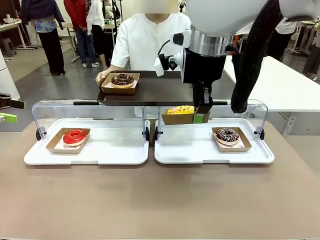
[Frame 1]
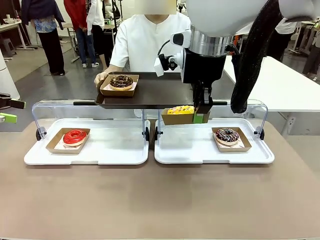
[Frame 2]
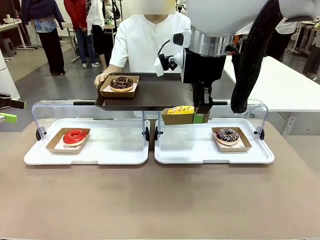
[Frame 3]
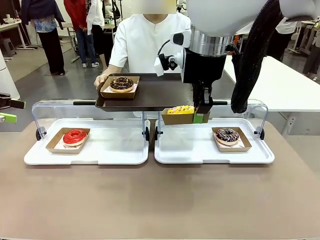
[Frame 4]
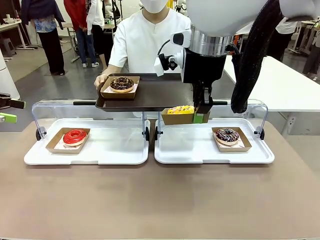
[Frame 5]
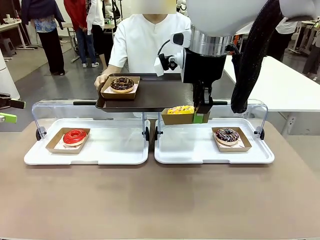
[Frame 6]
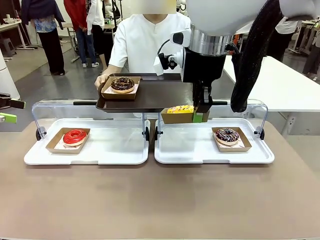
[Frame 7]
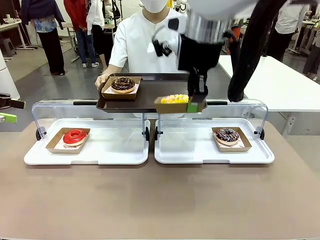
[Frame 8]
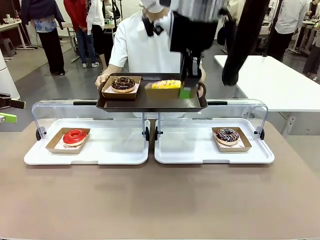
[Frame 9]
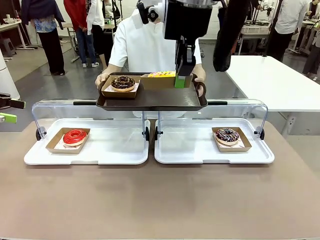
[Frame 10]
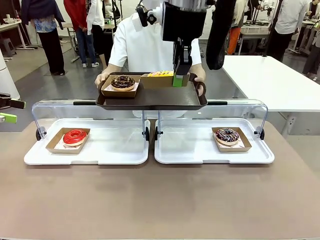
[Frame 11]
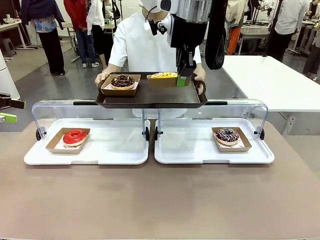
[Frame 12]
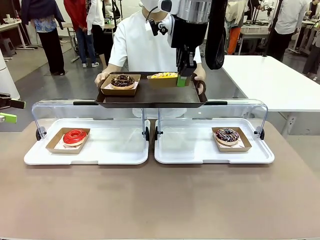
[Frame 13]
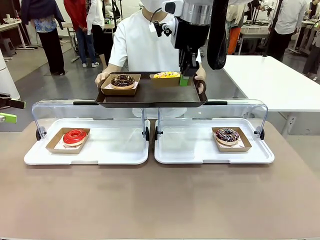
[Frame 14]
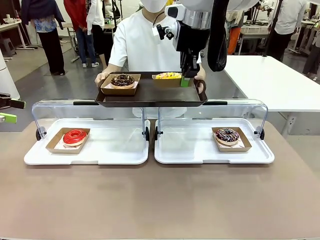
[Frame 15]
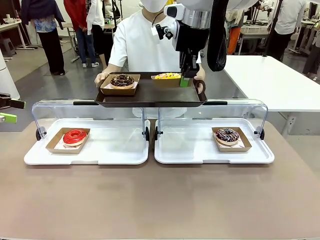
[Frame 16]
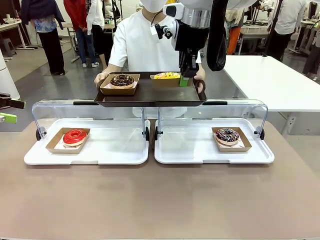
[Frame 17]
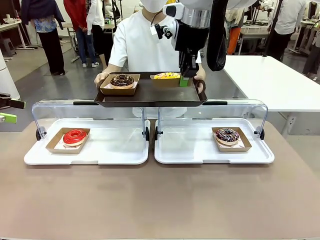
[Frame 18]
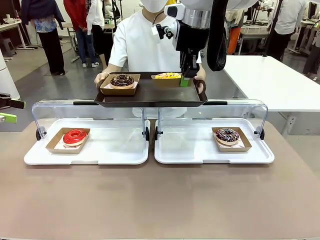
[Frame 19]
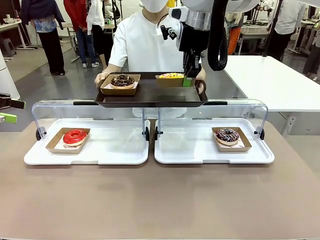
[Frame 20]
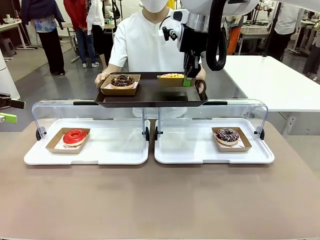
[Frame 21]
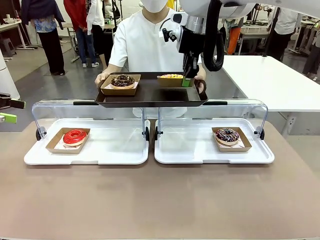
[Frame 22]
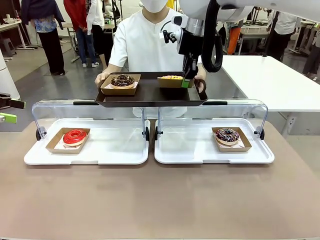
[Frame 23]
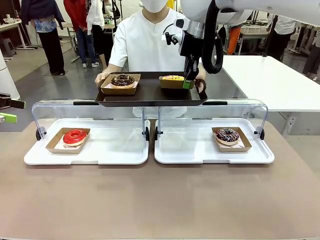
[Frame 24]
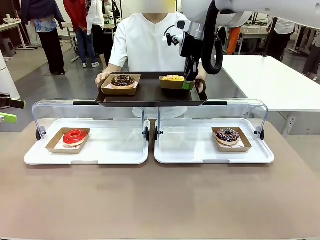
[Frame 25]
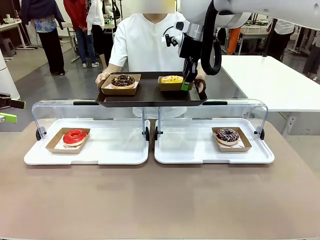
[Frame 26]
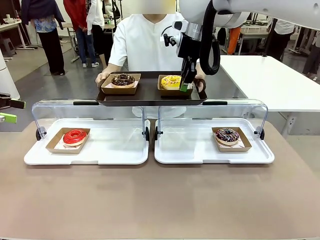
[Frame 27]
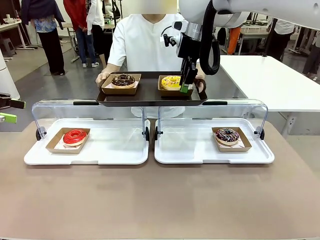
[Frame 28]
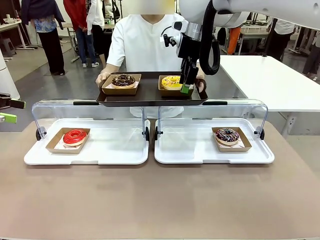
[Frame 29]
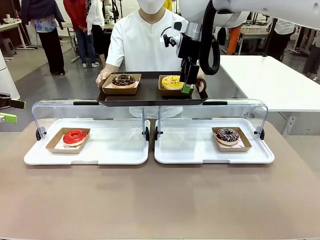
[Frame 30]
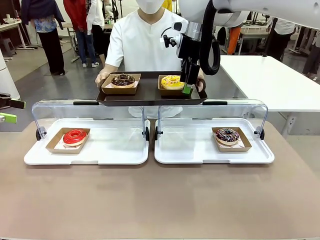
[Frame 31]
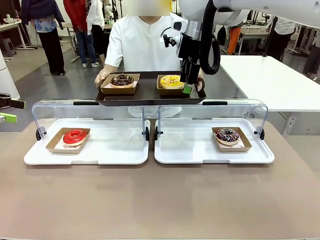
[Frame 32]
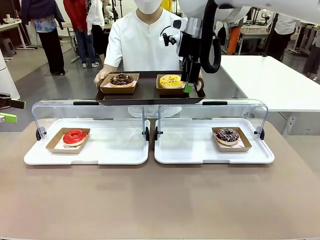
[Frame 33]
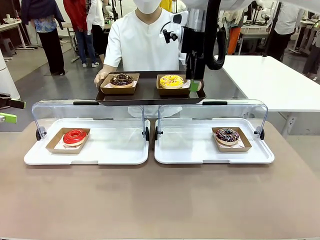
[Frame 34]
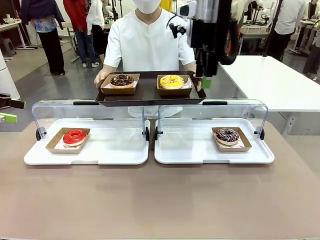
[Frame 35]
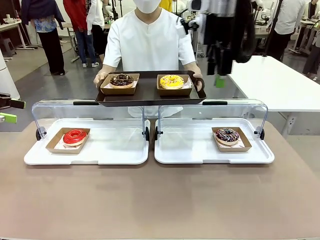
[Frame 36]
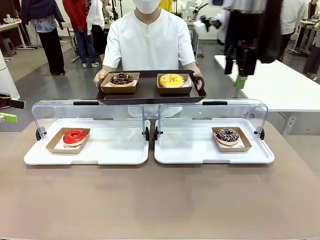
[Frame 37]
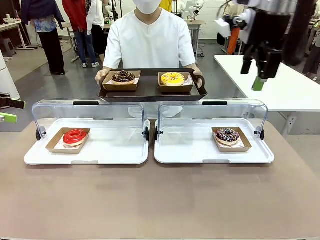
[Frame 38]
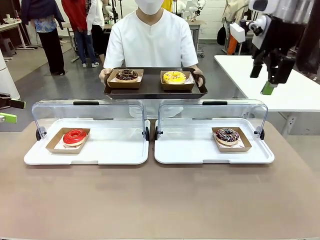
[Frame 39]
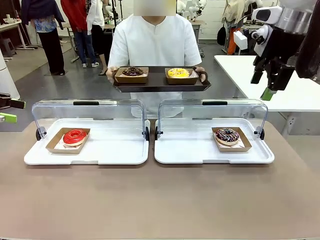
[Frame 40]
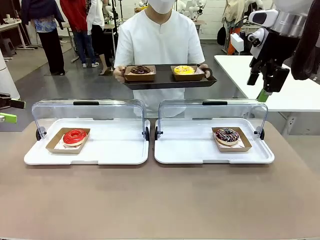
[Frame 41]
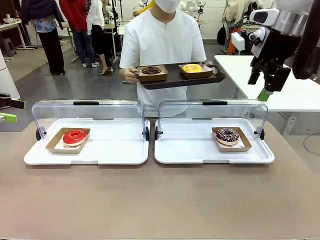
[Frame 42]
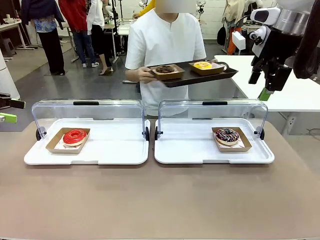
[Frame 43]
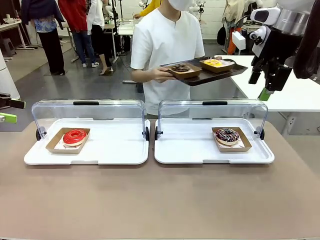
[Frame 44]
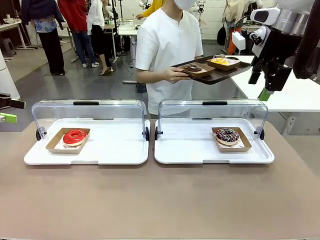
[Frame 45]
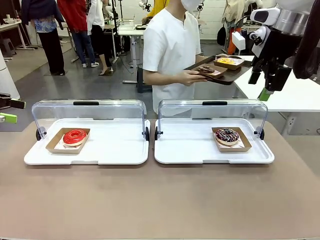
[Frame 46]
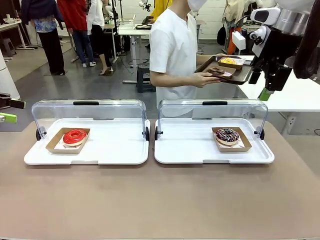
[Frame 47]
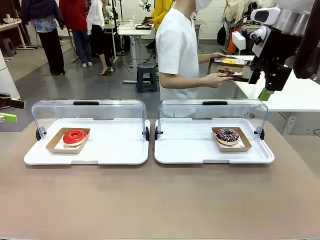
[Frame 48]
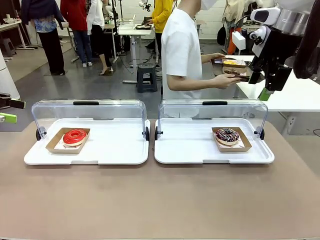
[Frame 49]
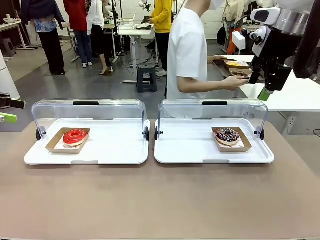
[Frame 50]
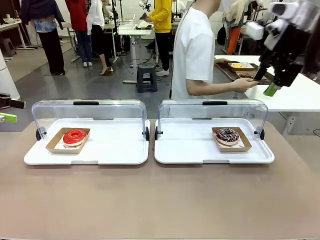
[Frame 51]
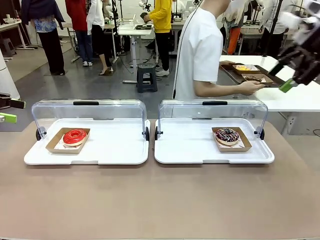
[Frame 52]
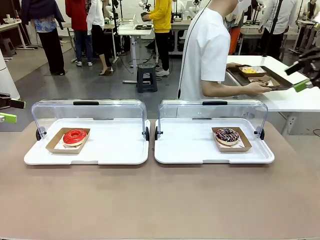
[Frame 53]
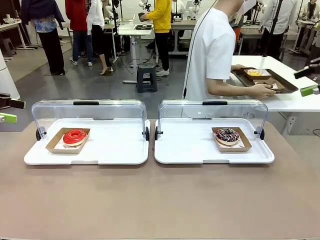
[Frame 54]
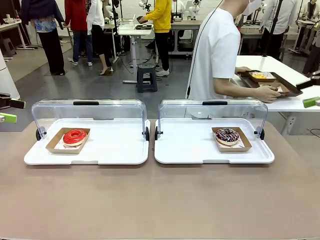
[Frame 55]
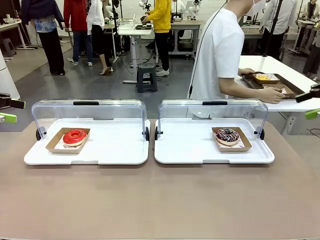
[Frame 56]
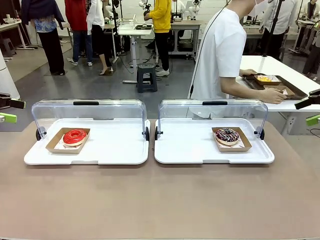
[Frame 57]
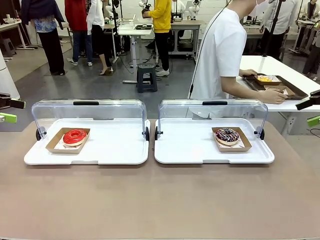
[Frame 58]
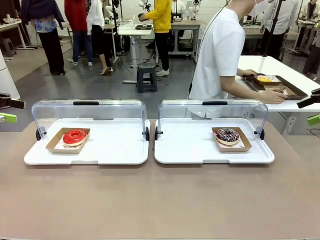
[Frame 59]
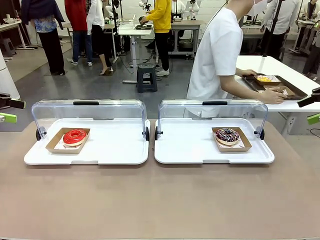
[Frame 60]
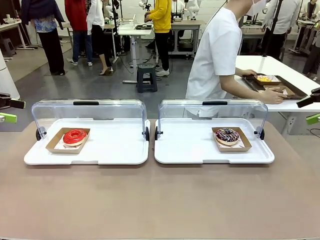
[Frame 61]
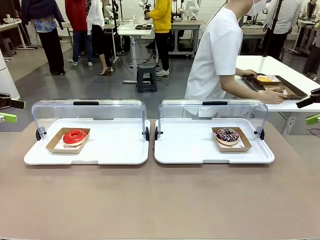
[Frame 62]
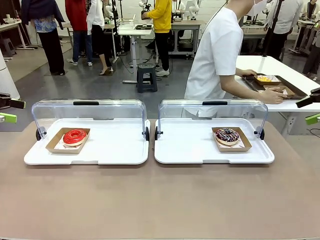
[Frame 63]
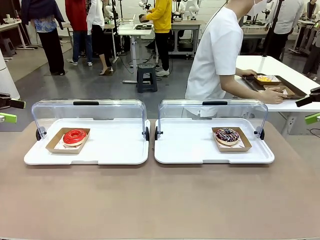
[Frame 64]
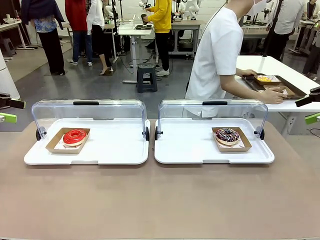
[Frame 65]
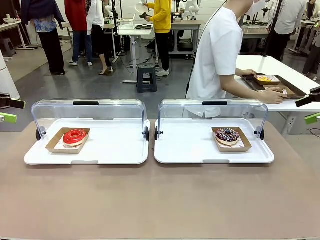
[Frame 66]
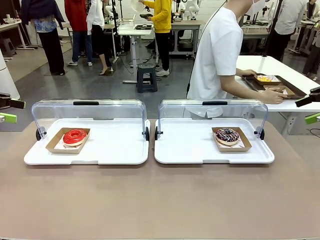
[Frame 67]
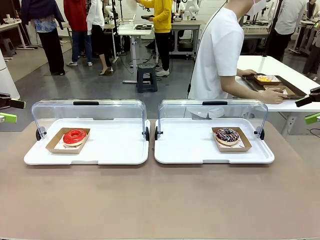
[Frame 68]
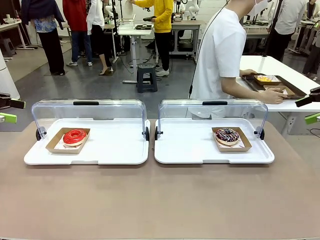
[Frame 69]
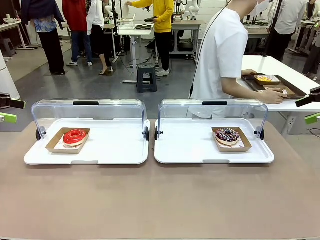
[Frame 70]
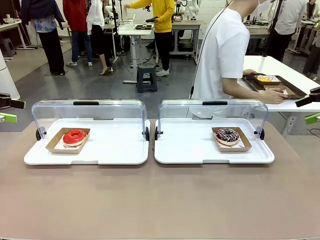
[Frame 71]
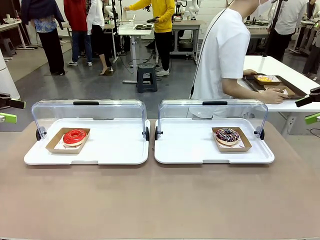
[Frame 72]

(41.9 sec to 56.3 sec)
Task: Provide the desired donut to the person.
Robot: Place the picked Paper togo box onto the Handle tray extended by the person.
Person: Place the tray in the middle of the human table.
